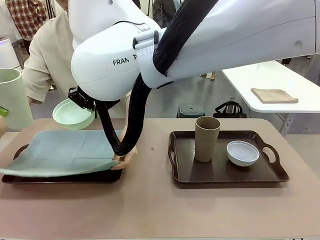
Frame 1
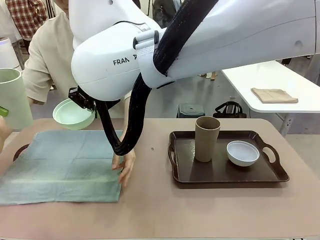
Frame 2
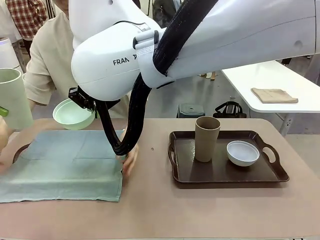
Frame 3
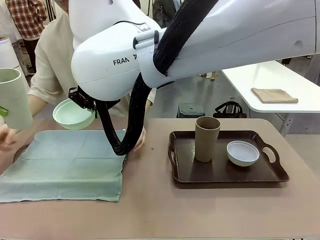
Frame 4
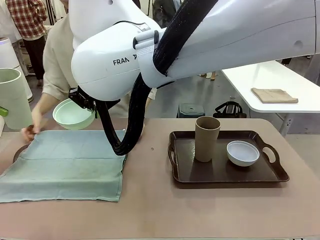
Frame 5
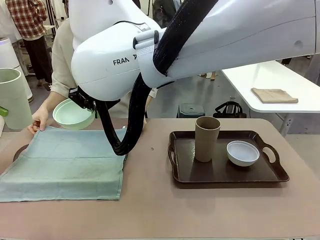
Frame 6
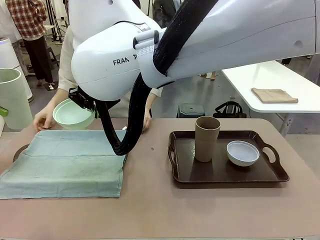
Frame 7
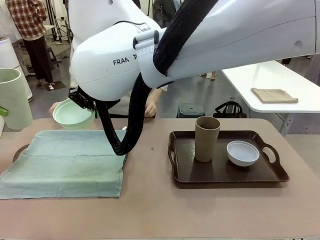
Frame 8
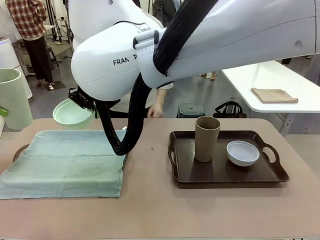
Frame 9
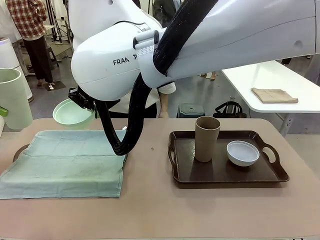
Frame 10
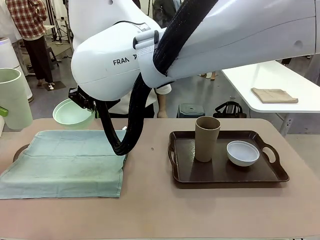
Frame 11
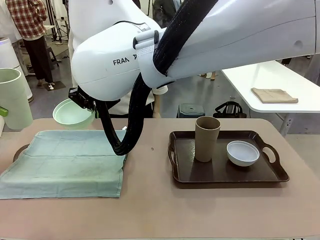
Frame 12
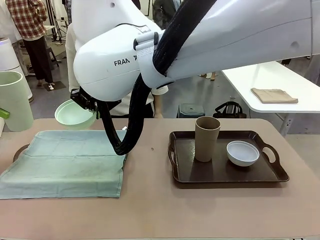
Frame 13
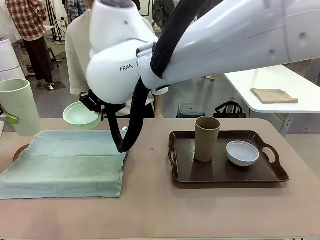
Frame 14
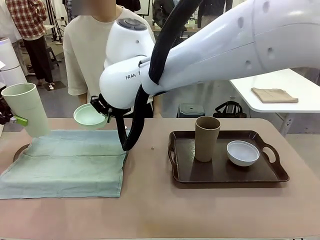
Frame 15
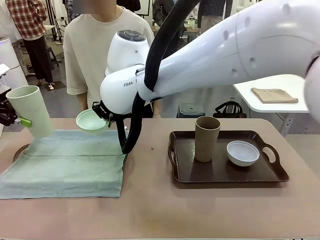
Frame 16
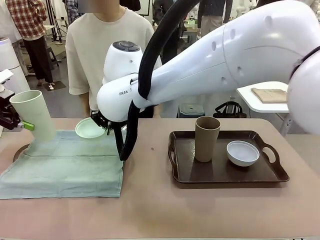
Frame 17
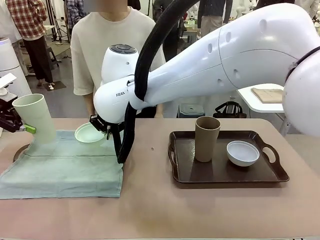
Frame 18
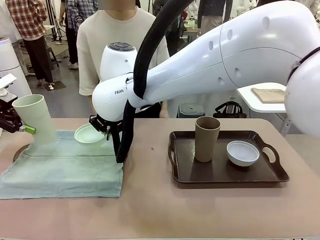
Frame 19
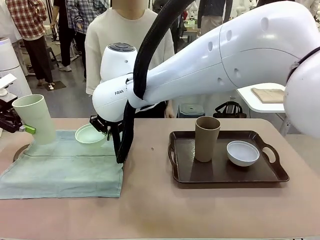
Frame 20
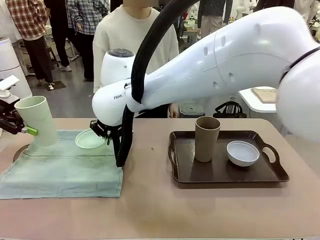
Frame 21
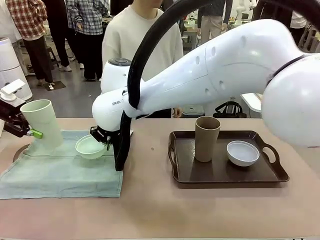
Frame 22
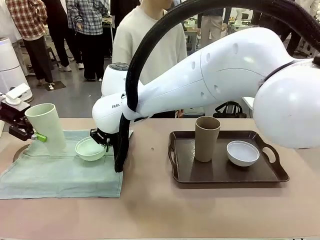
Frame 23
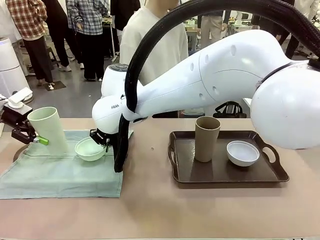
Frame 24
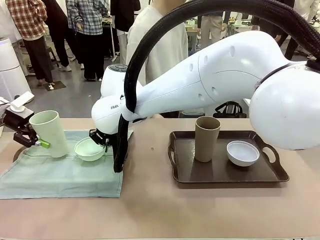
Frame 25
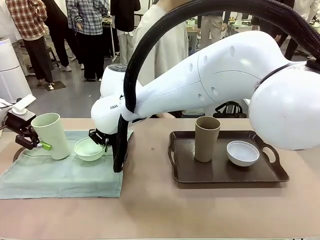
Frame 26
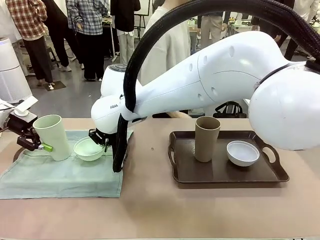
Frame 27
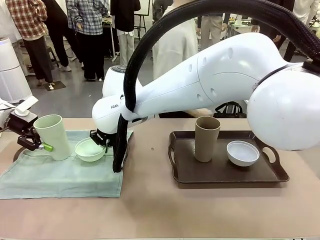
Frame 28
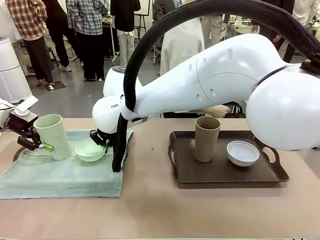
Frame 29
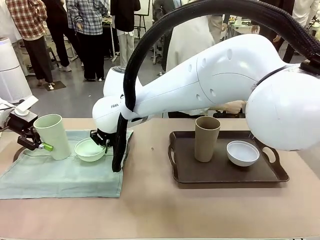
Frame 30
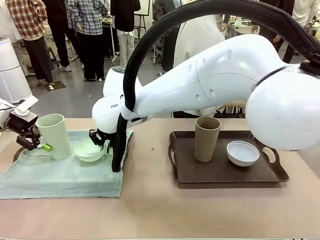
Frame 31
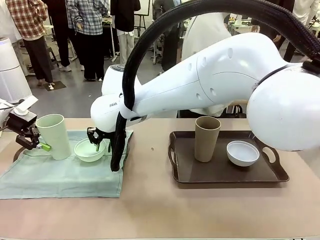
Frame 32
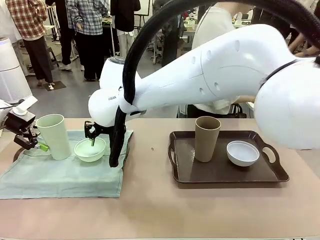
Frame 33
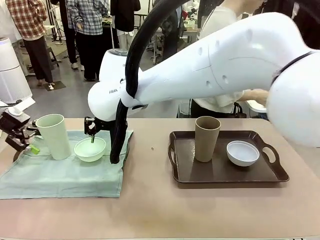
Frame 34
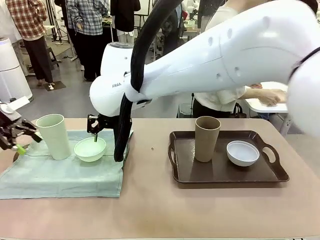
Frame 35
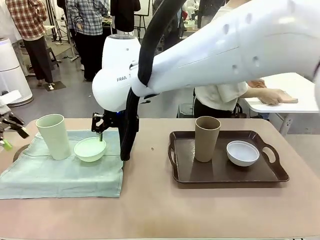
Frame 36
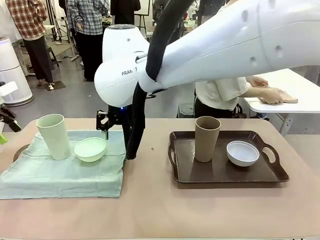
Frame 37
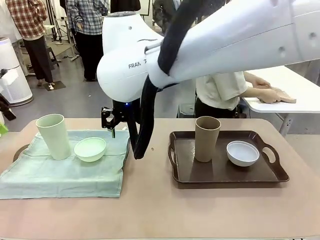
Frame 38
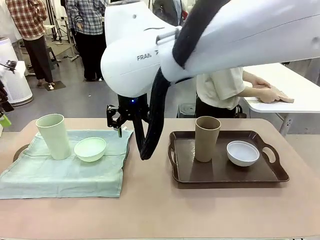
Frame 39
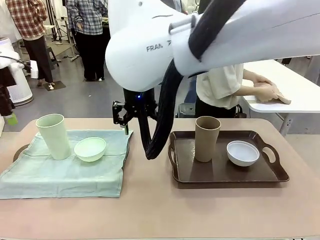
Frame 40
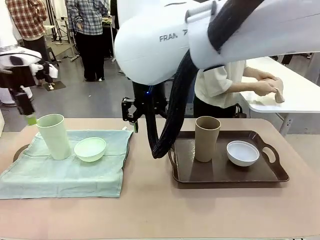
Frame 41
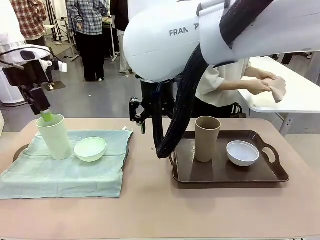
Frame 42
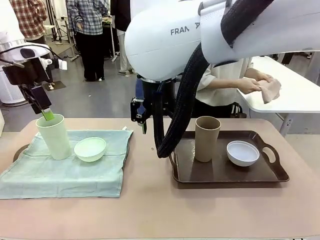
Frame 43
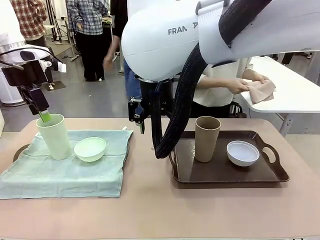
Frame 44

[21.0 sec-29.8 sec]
Robot: Place the Picnic Bowl and Reusable plastic cup back onto the Handle tray in front of the human's position.
Person: The human returns to the human table to pick up another napkin and walks to the robot table to stand in front of the tray without a napkin.

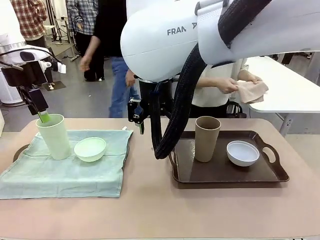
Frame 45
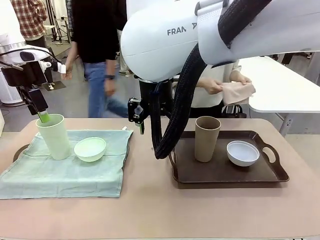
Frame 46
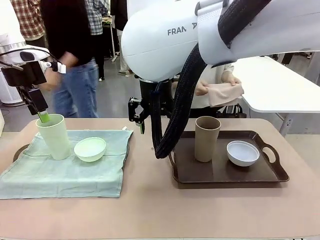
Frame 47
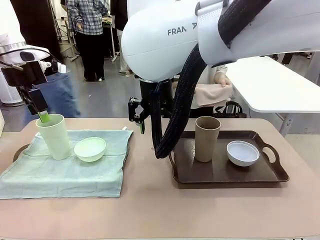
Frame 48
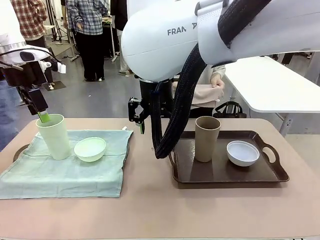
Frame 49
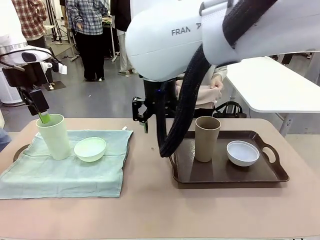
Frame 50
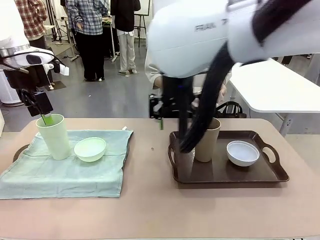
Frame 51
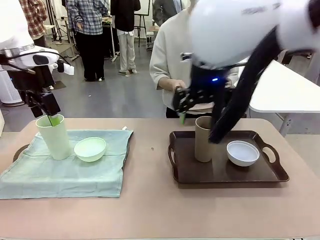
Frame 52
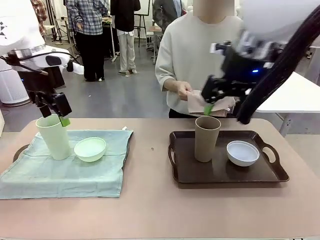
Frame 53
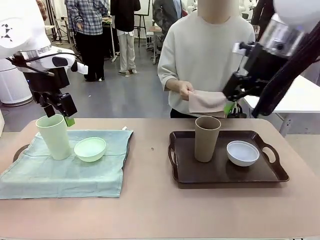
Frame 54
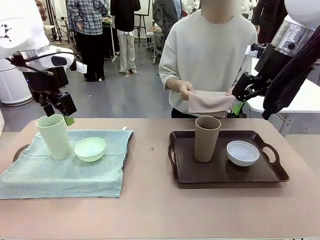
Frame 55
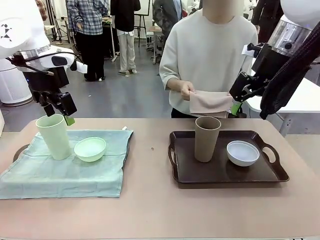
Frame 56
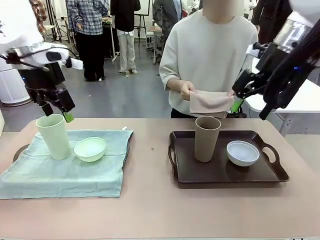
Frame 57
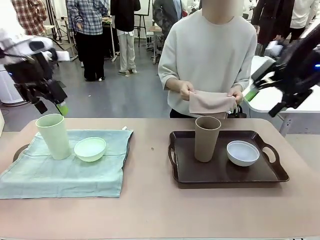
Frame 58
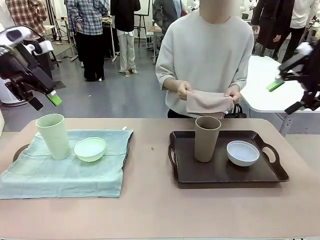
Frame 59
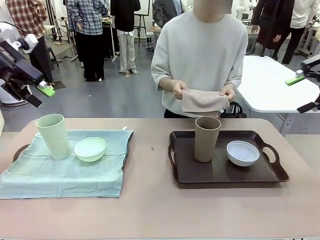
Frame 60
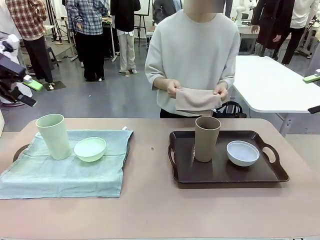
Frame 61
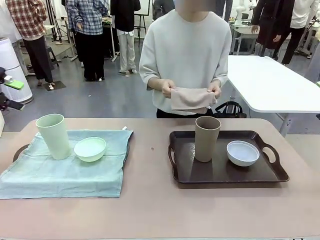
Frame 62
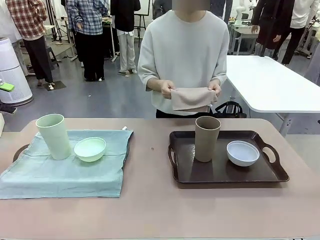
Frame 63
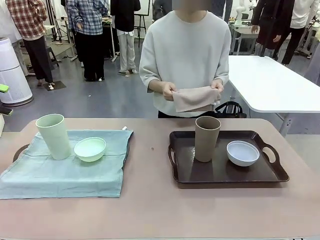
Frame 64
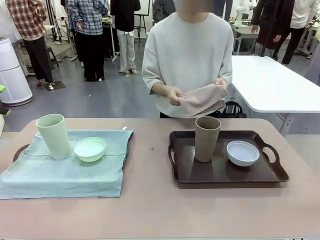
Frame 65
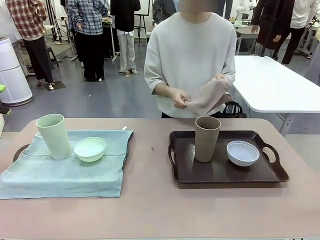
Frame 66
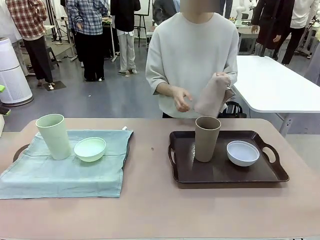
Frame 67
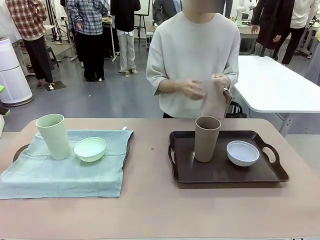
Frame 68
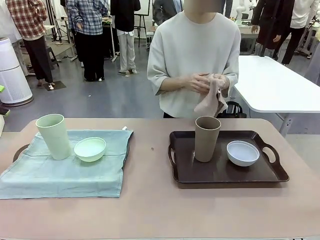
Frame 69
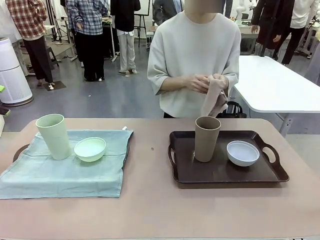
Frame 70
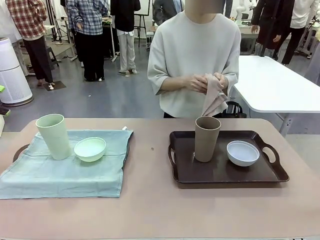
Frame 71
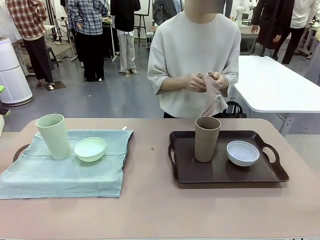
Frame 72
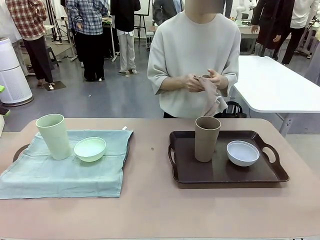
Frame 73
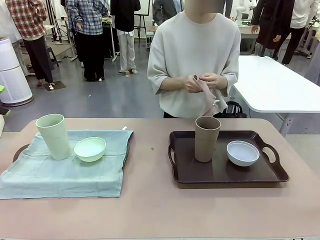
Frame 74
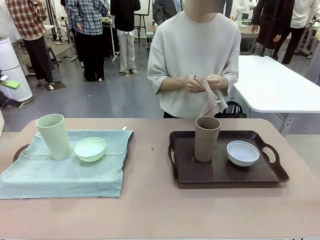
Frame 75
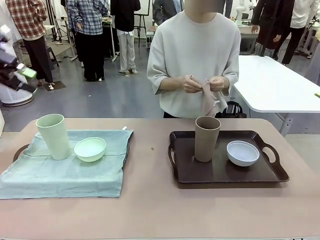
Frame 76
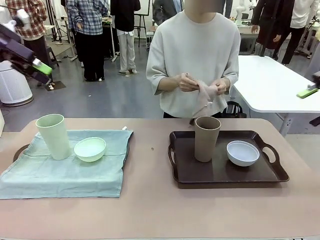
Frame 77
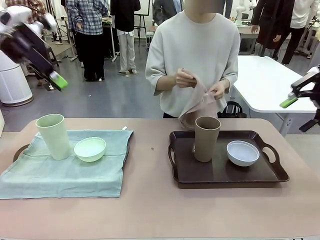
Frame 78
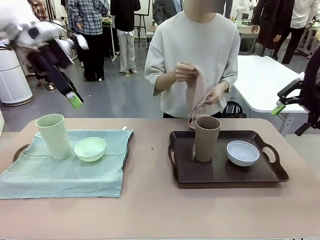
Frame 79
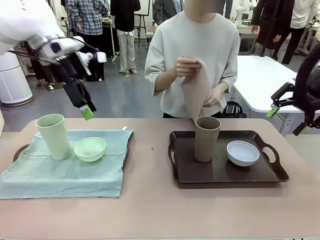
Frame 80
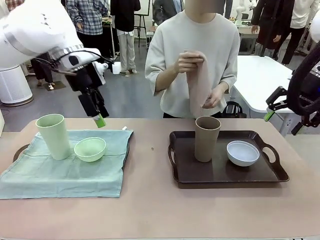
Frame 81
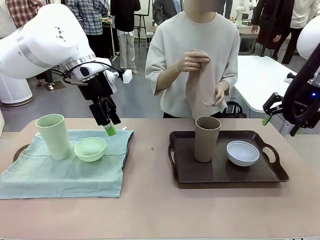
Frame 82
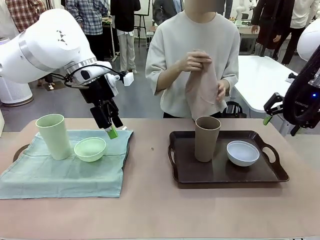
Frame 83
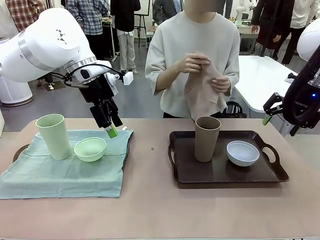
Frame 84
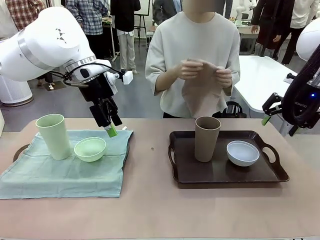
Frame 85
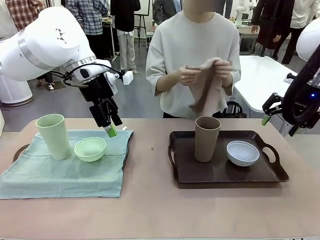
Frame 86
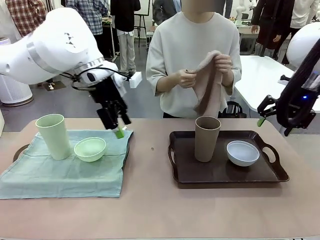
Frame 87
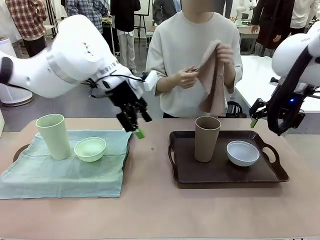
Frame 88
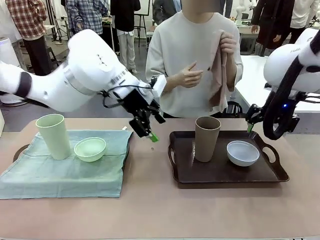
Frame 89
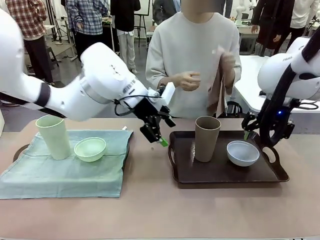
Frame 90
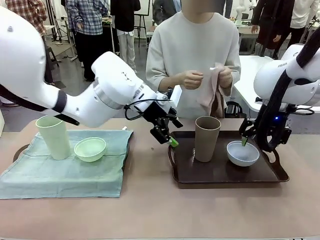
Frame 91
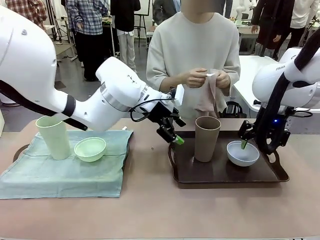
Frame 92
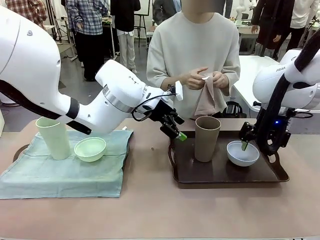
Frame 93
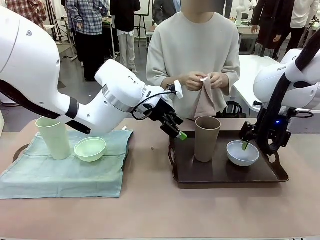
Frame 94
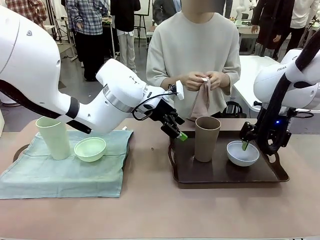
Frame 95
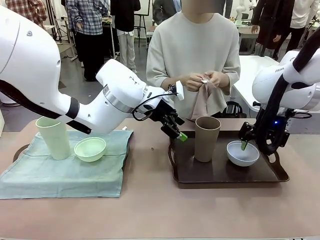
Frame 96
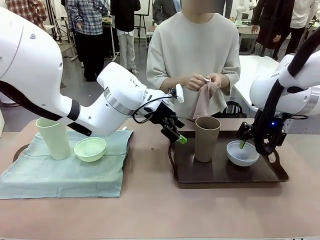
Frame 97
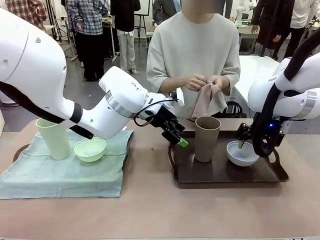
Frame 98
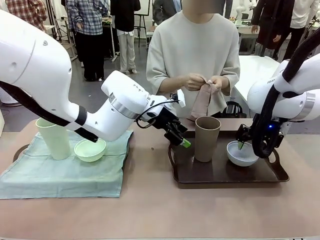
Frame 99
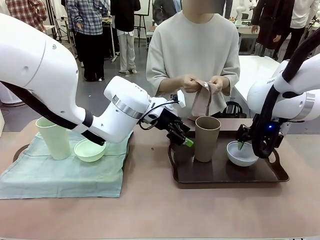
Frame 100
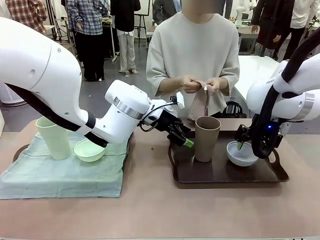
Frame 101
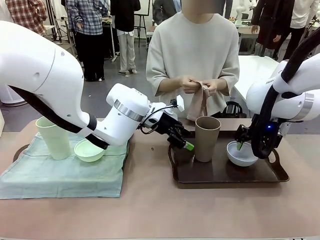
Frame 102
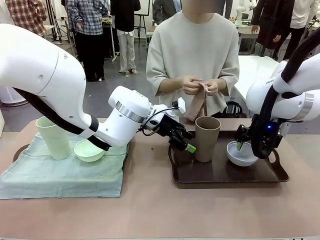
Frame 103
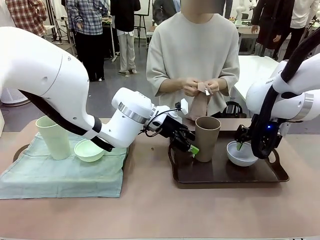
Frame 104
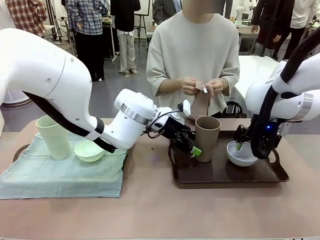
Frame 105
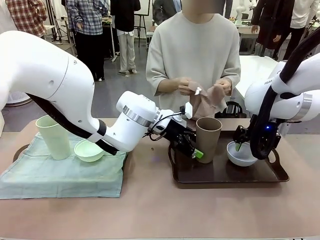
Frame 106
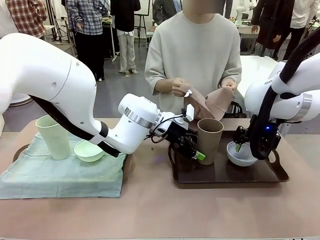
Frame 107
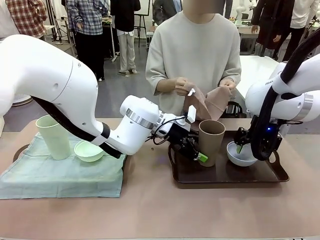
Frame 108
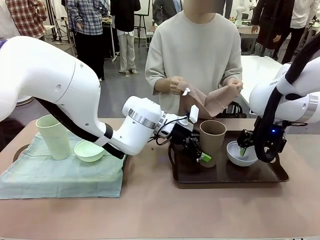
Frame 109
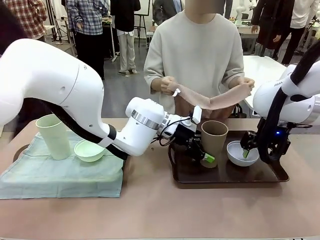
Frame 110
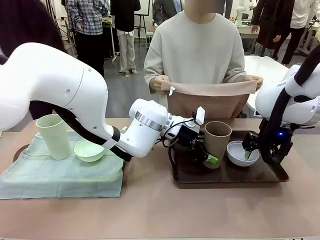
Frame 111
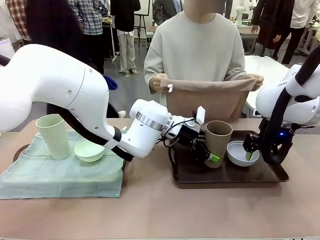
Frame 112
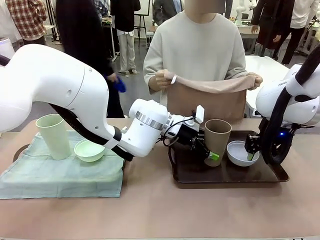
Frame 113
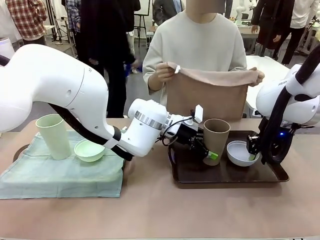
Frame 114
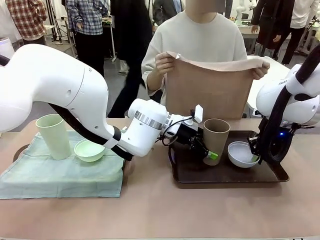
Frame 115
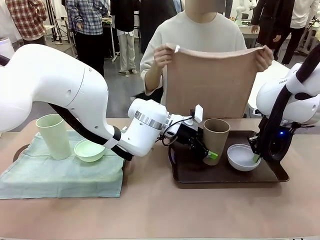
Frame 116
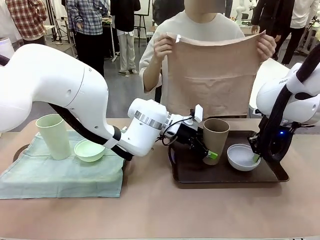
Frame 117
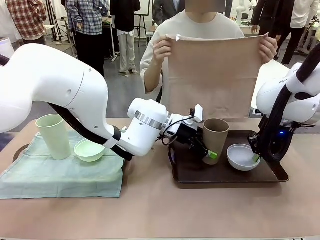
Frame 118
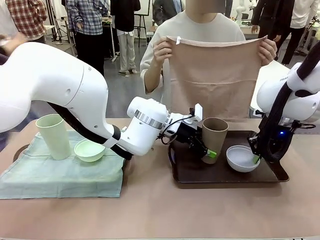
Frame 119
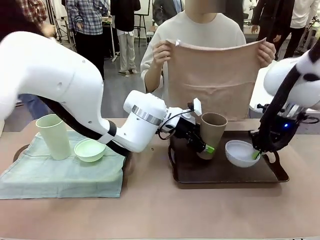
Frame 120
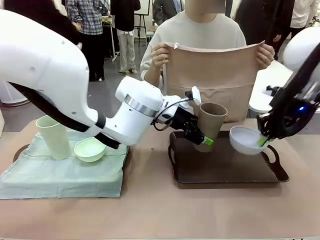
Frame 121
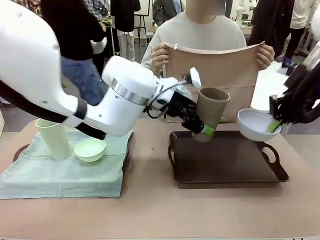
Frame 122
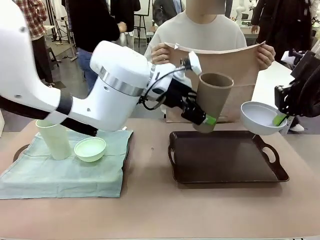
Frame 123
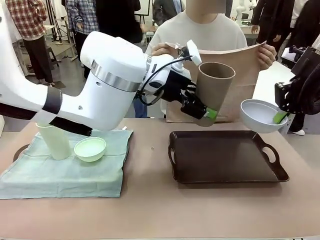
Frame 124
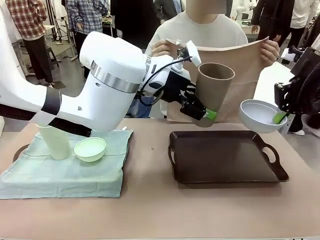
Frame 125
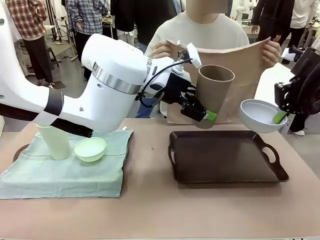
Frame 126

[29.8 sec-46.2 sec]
Robot: Pick up the Picnic Bowl and Reusable plastic cup from the Handle tray in front of the human's position and hold them in the air.
